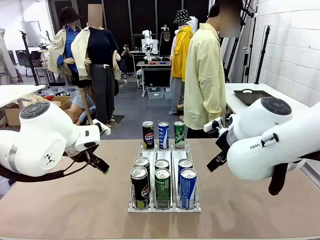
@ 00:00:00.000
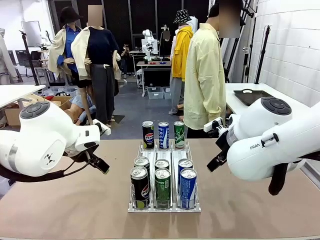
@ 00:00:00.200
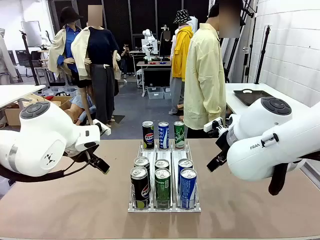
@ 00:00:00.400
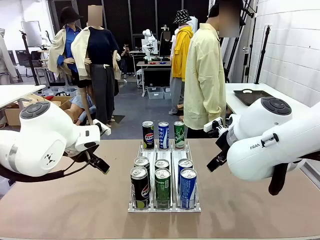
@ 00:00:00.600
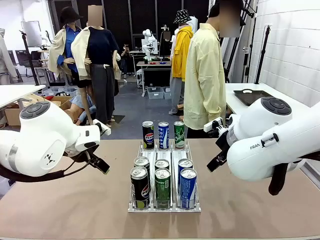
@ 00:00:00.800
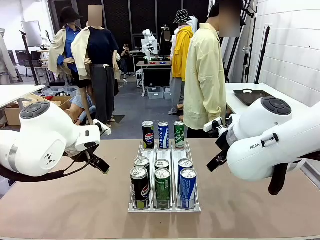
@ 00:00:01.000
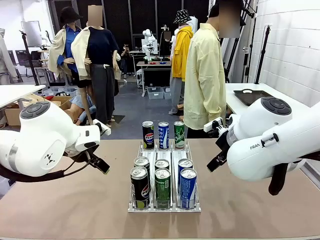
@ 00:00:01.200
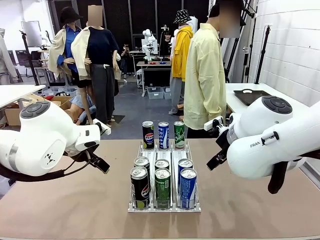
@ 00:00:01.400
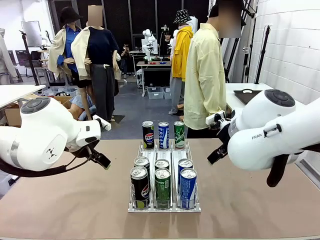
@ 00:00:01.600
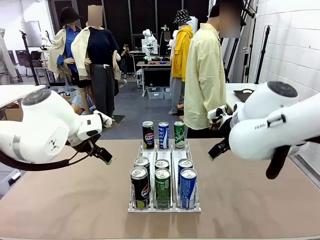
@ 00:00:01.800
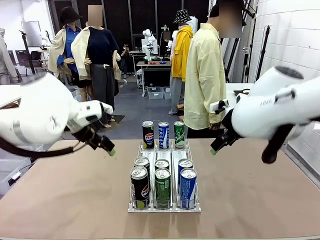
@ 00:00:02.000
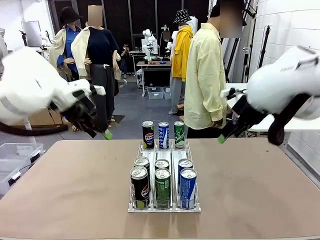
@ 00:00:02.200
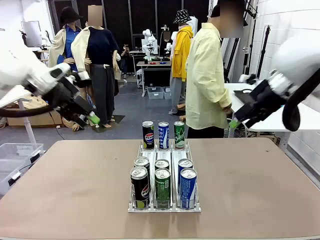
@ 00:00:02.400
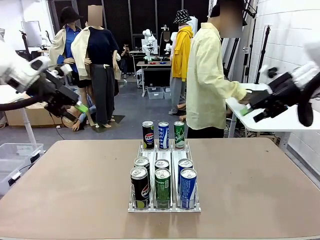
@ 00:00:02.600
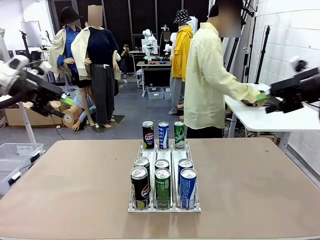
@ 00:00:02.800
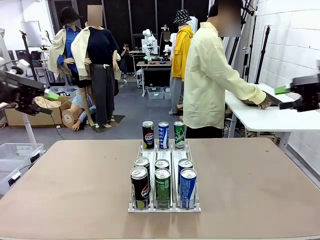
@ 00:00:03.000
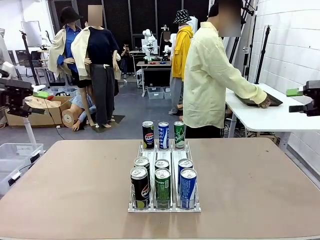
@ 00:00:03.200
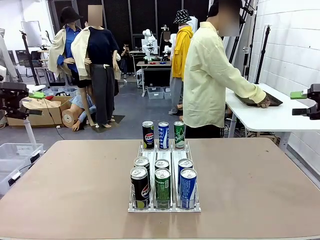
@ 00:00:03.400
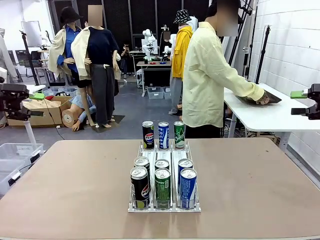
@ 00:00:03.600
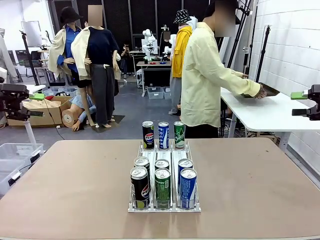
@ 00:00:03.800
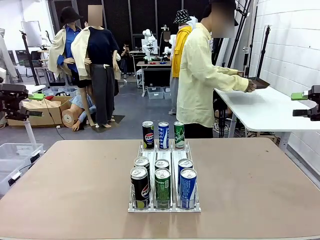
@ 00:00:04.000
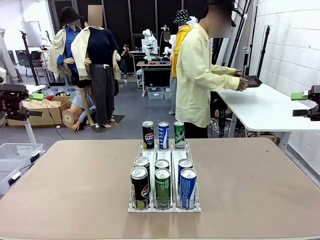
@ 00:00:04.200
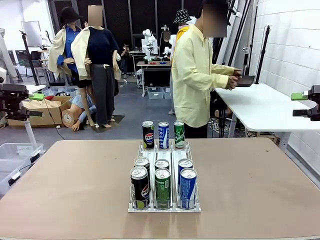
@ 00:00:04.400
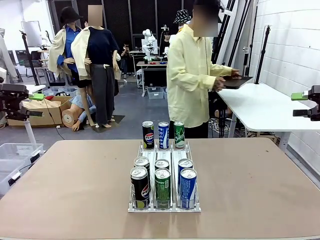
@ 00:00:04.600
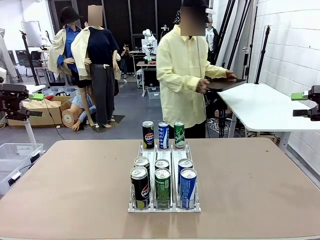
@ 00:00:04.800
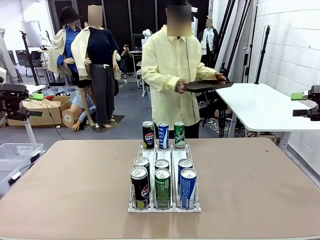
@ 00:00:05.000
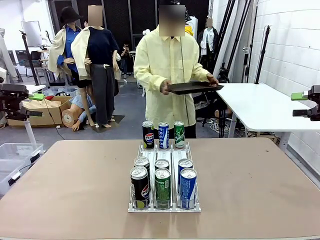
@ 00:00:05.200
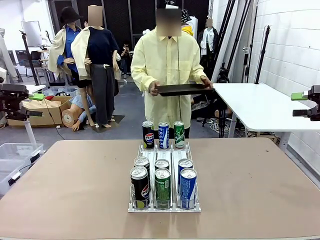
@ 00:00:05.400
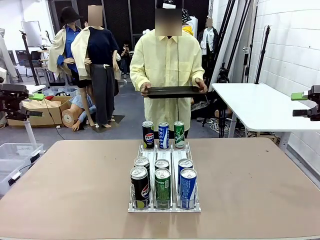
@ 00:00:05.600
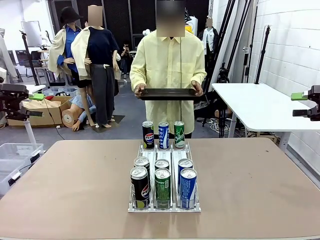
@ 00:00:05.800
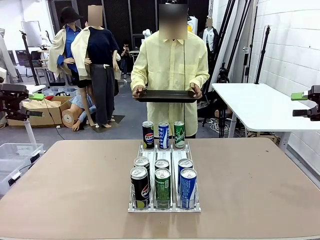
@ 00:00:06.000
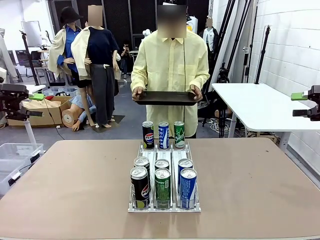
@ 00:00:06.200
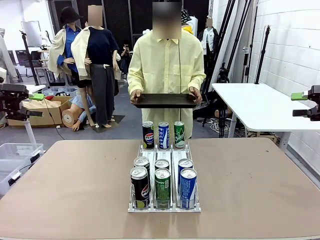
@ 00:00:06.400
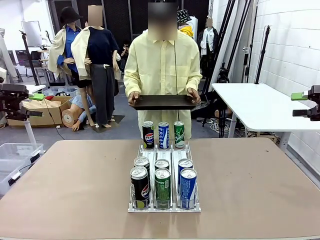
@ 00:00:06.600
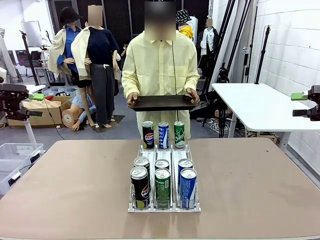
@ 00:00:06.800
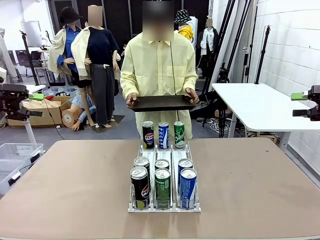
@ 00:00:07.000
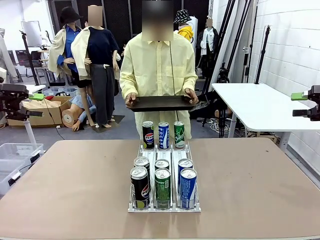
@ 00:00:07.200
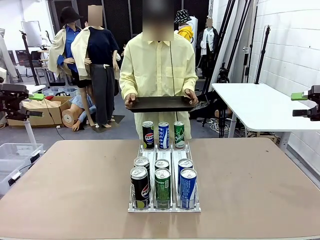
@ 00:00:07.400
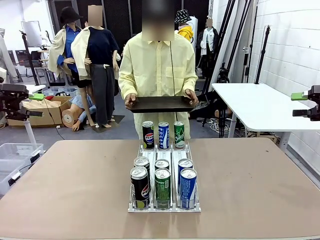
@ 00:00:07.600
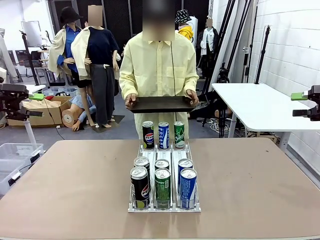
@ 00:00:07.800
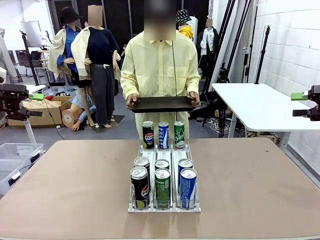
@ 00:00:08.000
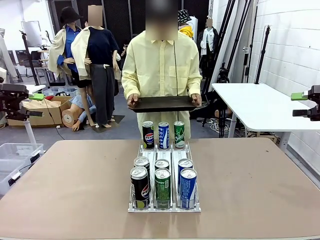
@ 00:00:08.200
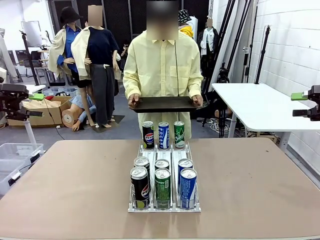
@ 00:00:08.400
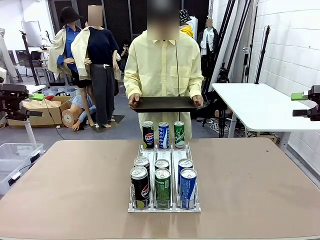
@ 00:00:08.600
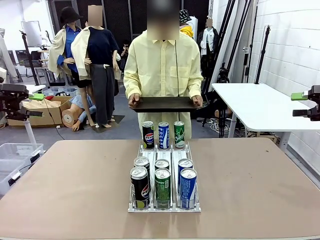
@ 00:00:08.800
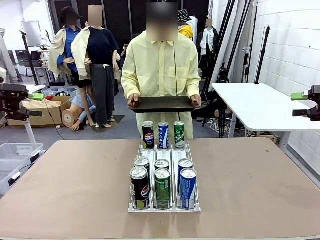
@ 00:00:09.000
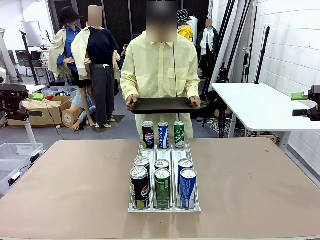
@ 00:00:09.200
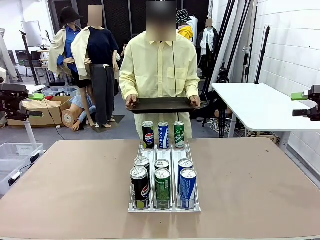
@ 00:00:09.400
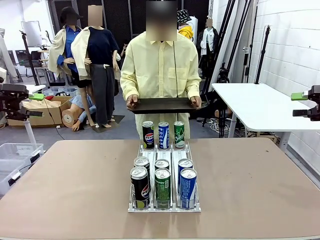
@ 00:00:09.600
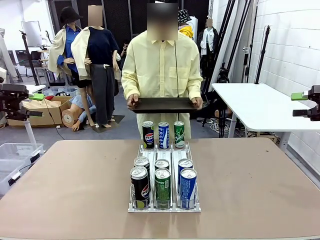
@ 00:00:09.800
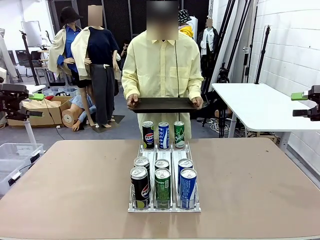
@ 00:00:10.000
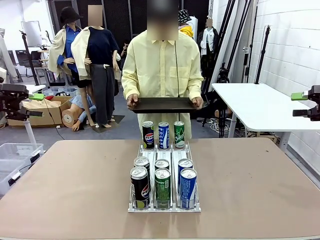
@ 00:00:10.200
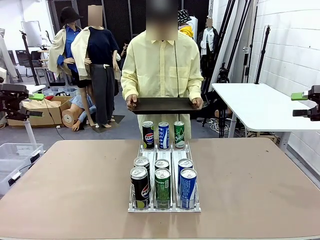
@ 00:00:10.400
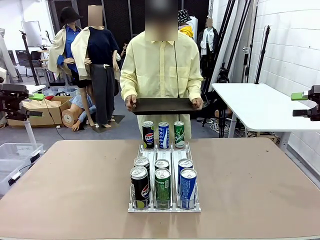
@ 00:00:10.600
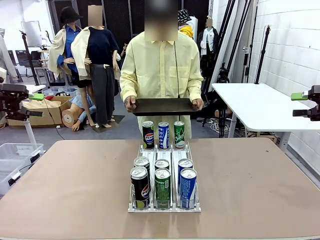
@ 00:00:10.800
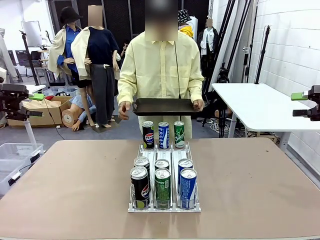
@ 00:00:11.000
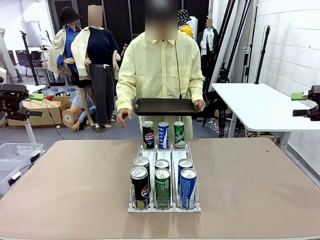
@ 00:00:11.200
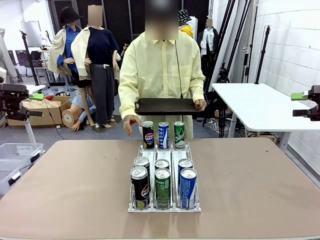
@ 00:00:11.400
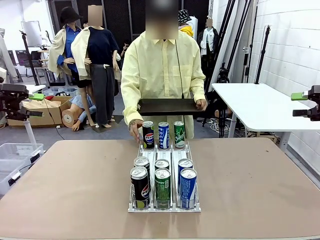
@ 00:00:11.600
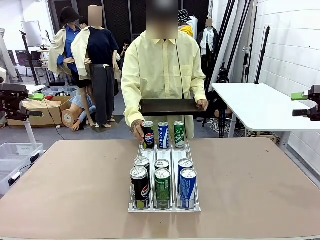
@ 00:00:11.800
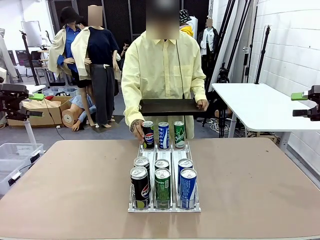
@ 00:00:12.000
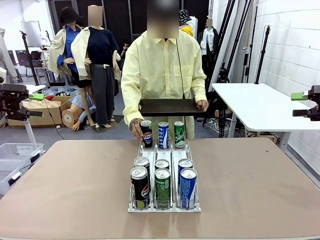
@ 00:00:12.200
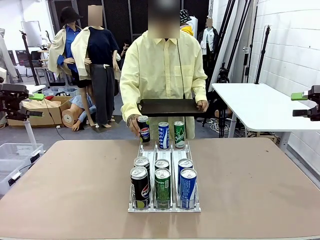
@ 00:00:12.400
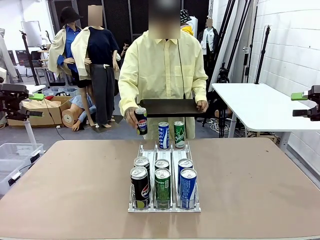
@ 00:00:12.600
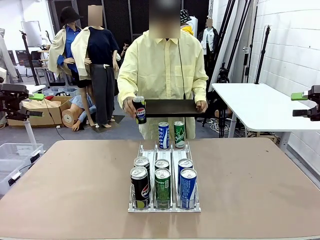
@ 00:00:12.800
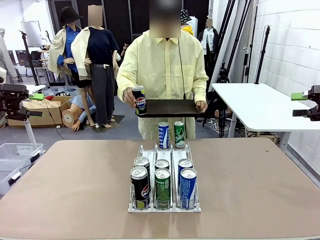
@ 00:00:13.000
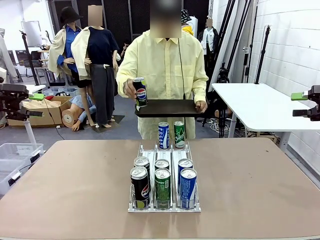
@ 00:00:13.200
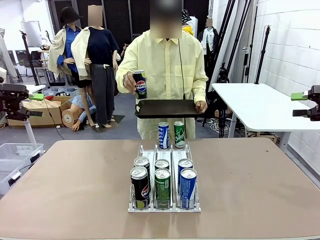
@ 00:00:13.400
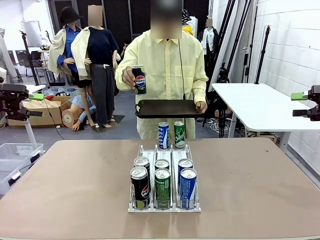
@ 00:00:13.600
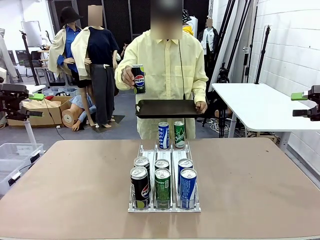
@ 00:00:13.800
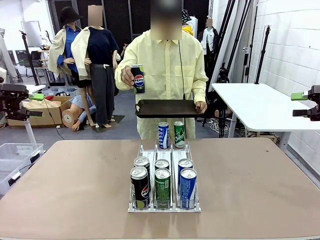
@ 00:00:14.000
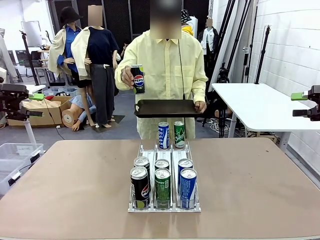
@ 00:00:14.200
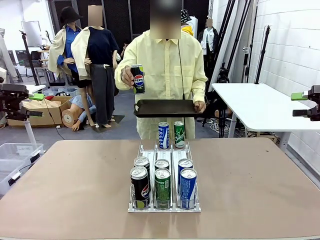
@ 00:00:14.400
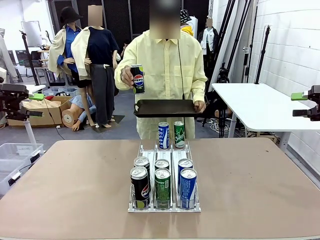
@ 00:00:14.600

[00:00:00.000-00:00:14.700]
Task: Retrieve and hand over the desired beverage to the person.
Robot: Pick up a can of the same type that the person held from the Automatic Can Dispenser.
Person: Hold the tray and position yourself in front of the robot table. Pick up one can from the bottom area of the table and puts it back in its original place.
